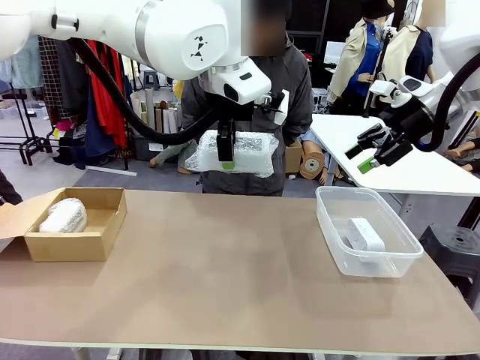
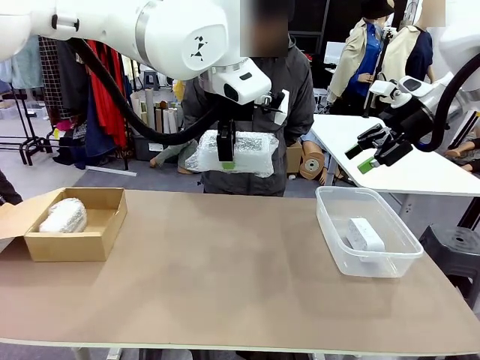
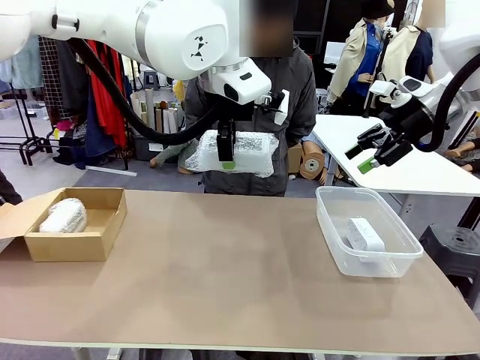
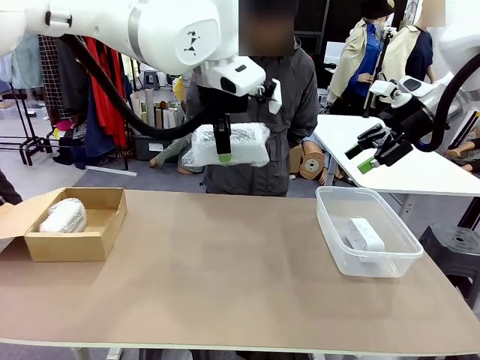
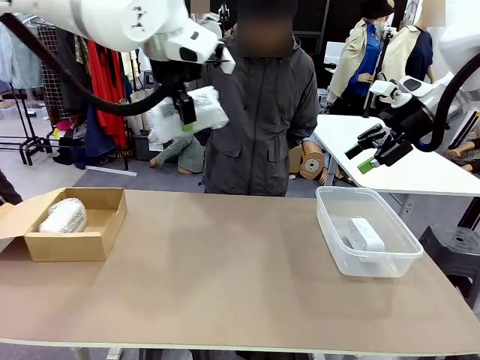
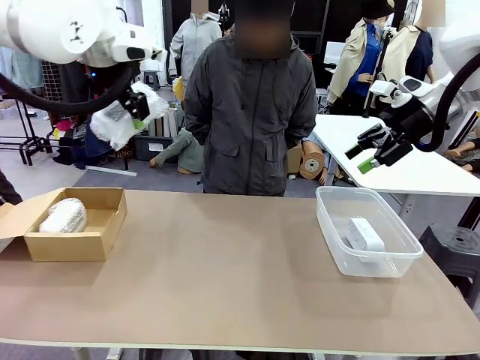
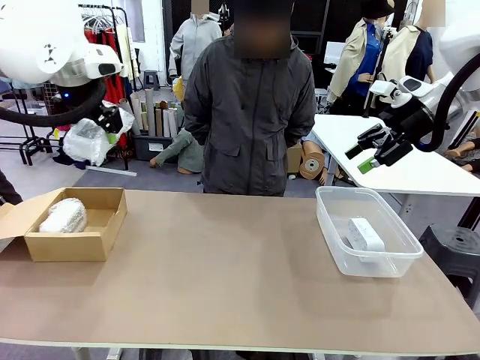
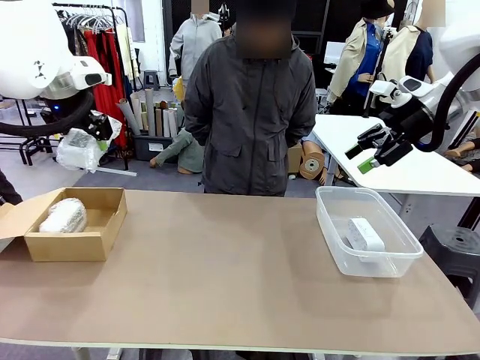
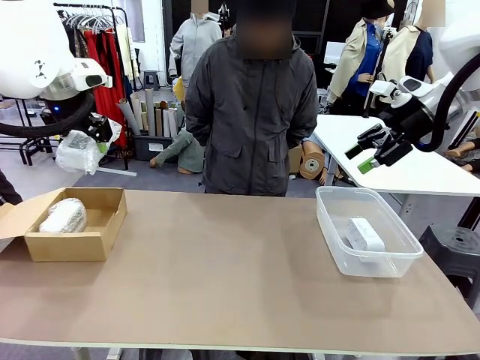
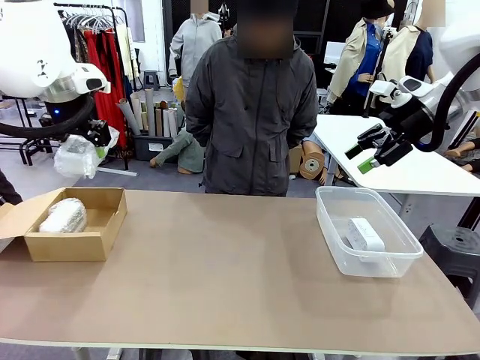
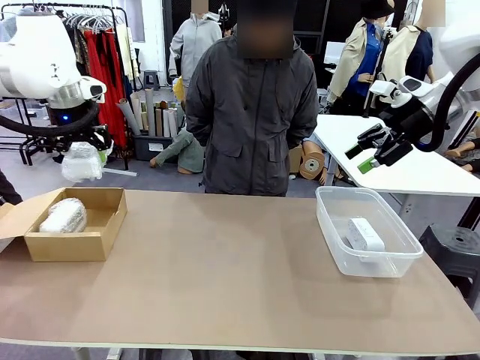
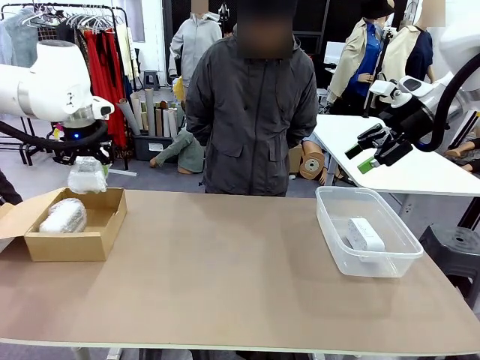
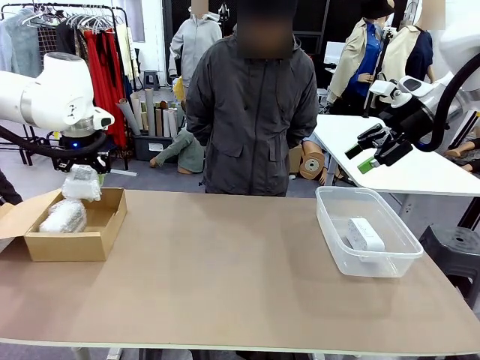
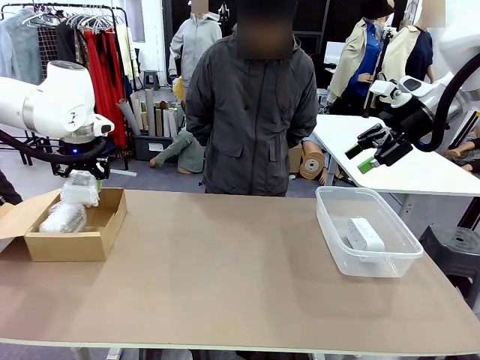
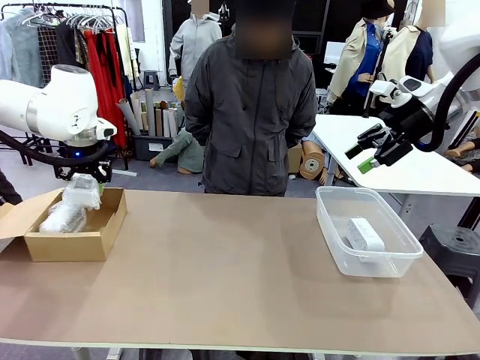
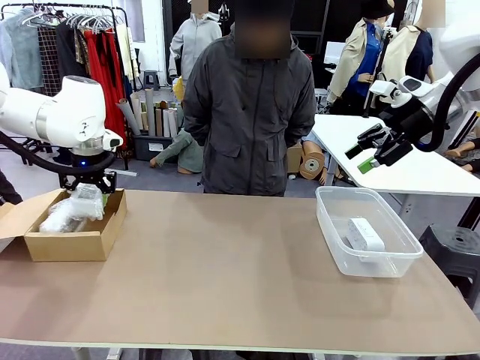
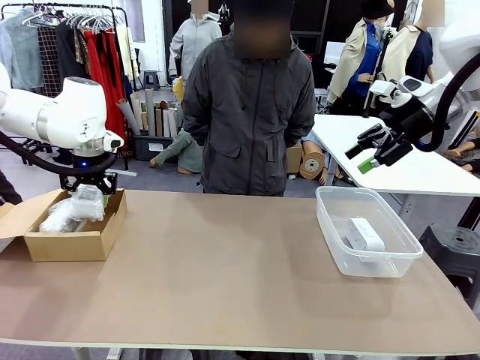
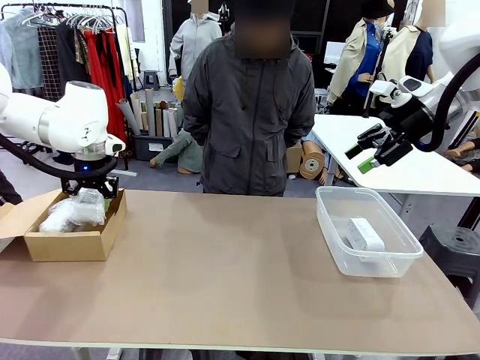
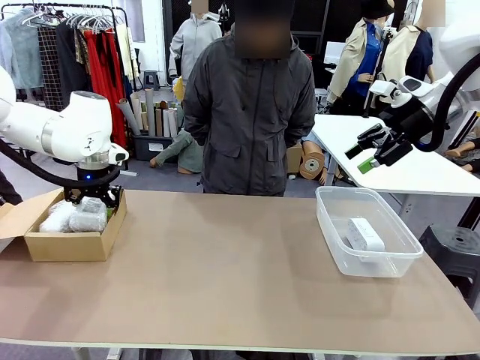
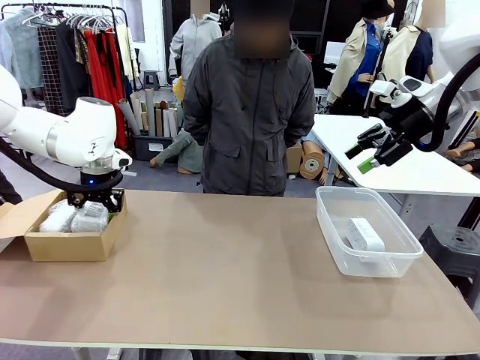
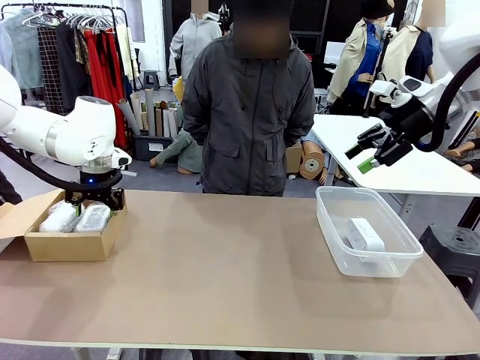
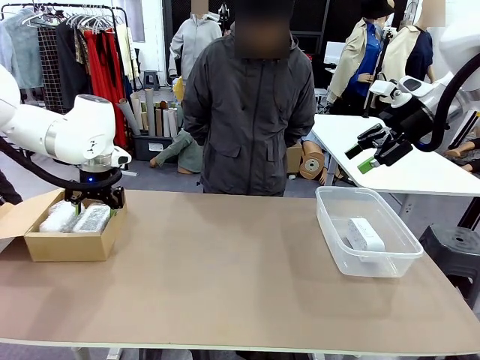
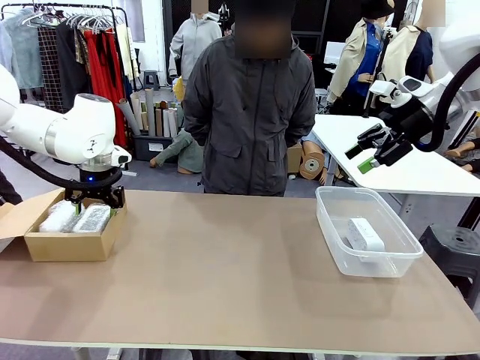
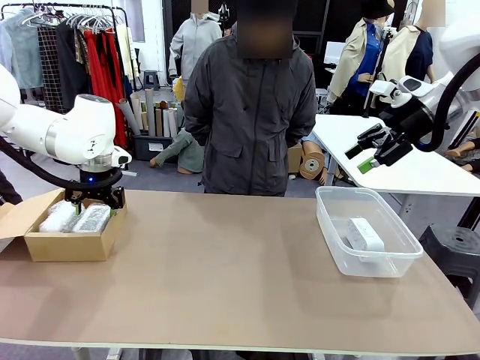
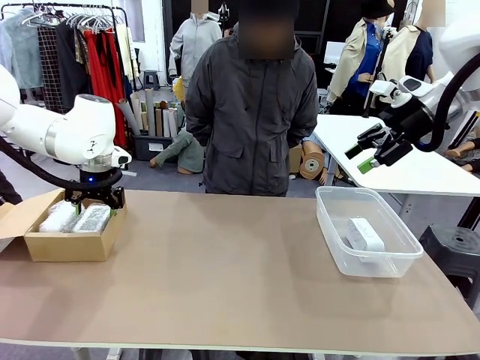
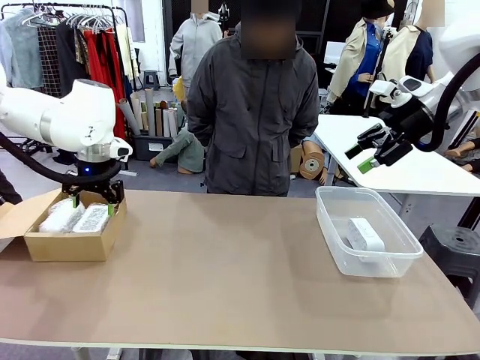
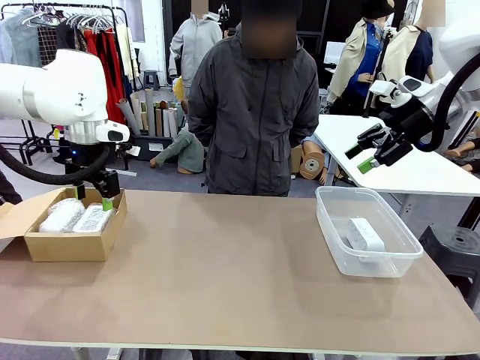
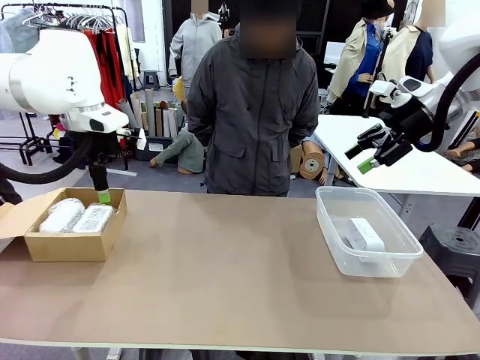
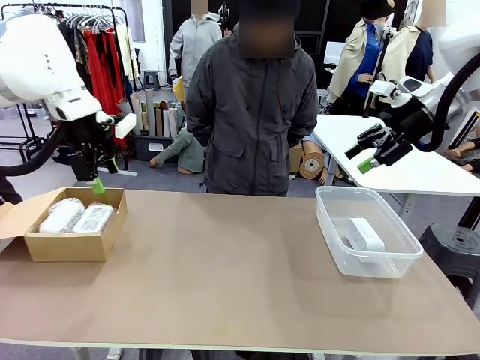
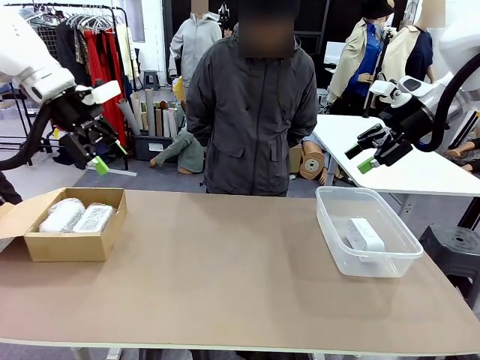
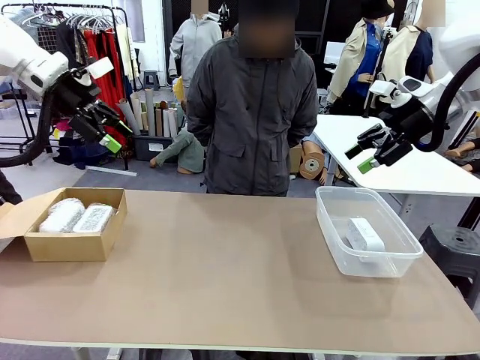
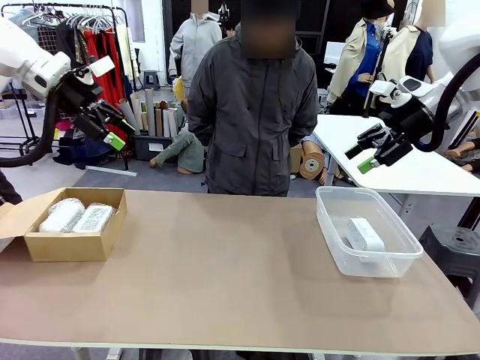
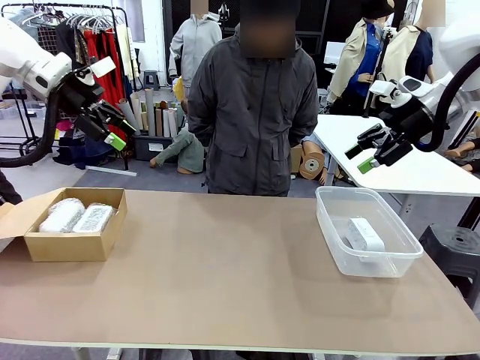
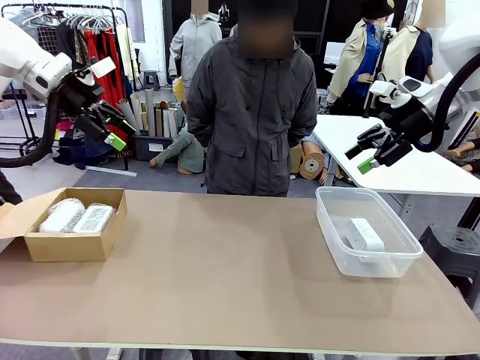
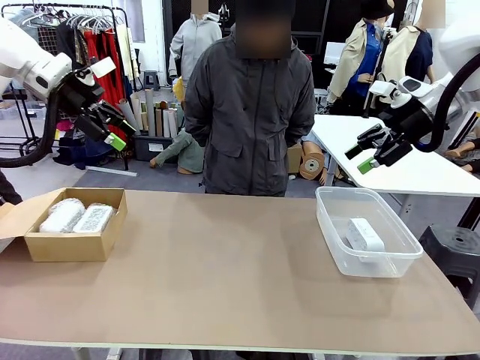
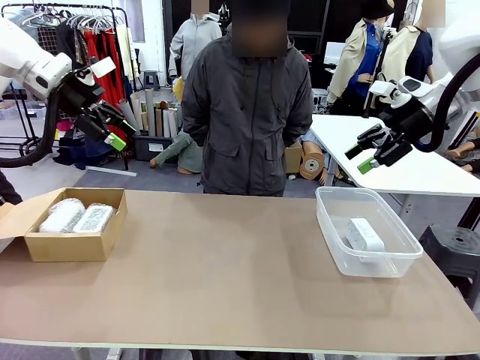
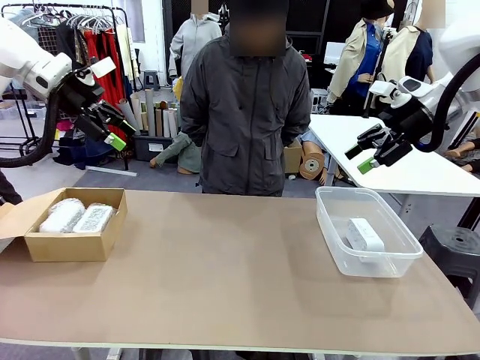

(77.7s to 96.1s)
Task: Separate and place wrapped and unwrapped clocks.
Robot: If the picked Digital clock is wrapped, place it in the Package Box ; if not, place it in the Organizing box.
